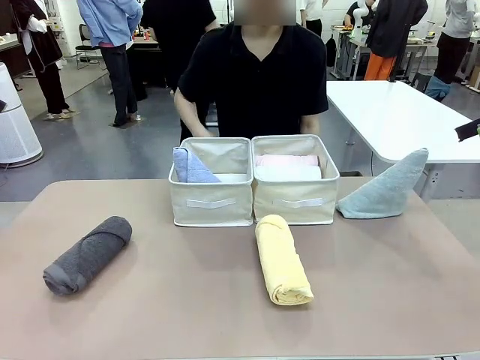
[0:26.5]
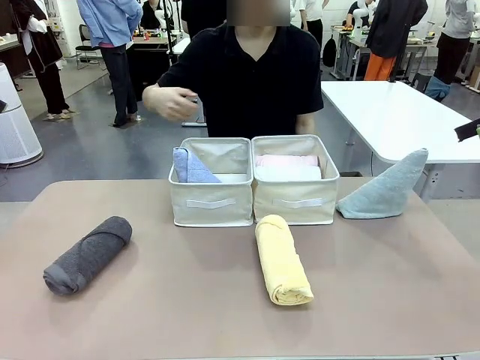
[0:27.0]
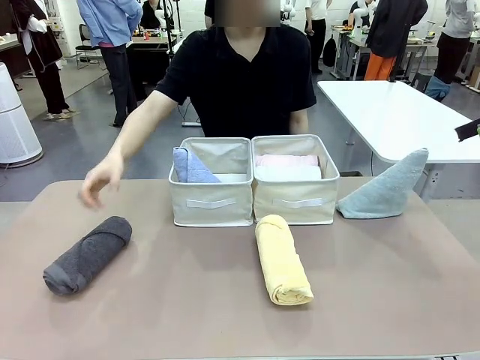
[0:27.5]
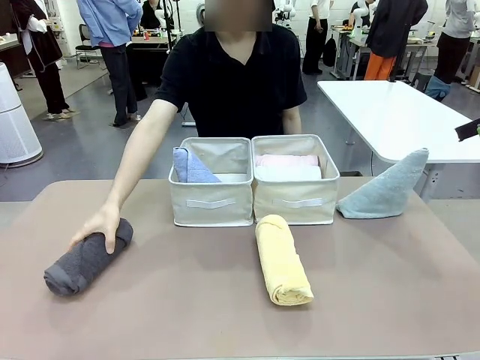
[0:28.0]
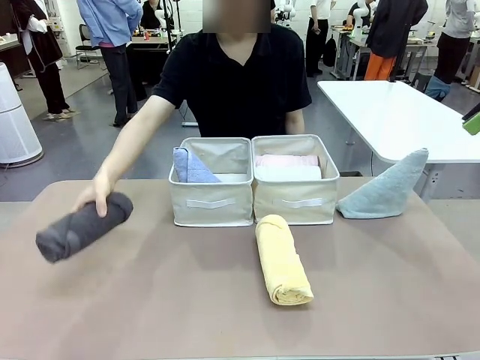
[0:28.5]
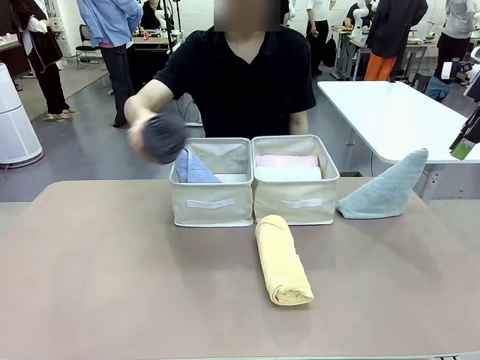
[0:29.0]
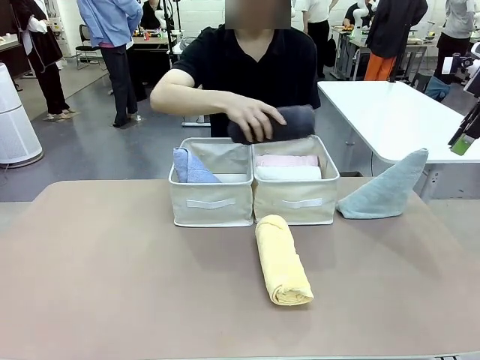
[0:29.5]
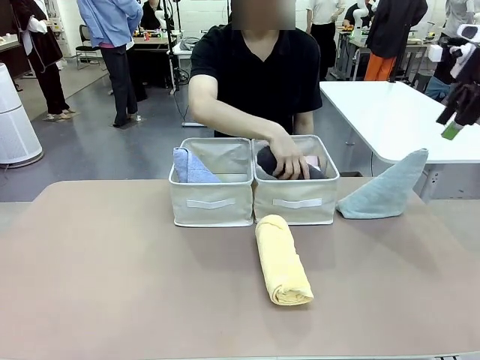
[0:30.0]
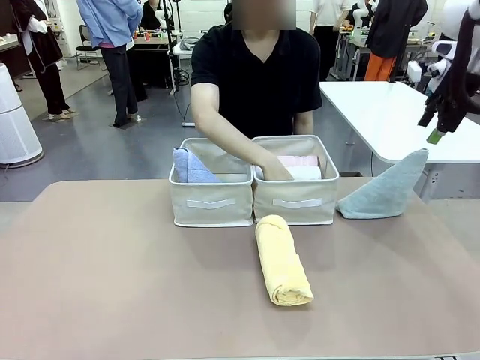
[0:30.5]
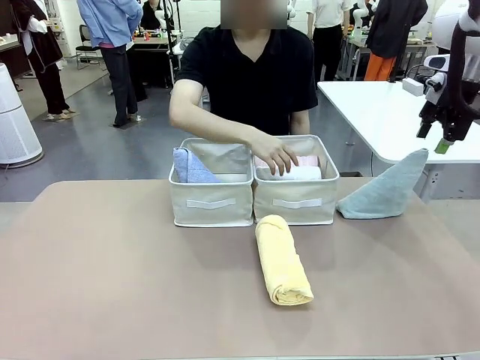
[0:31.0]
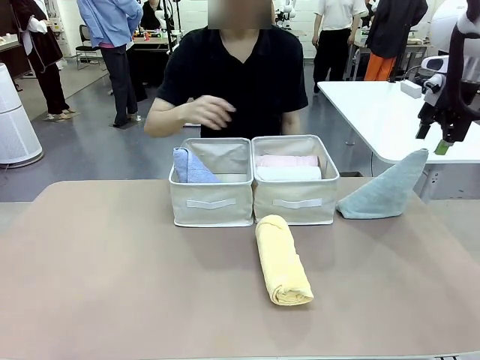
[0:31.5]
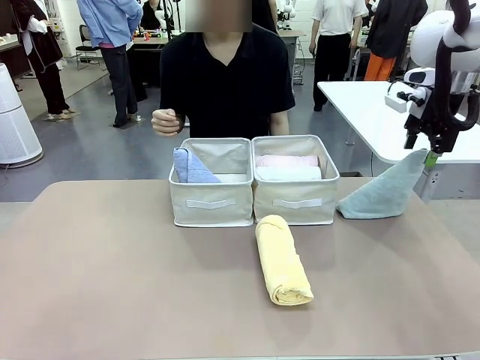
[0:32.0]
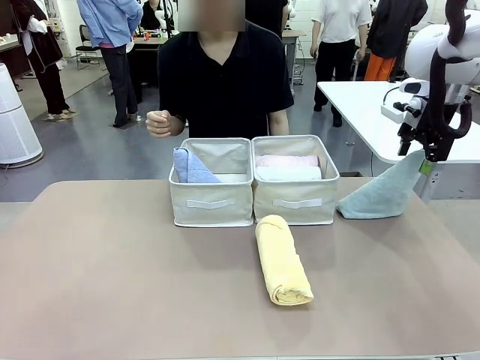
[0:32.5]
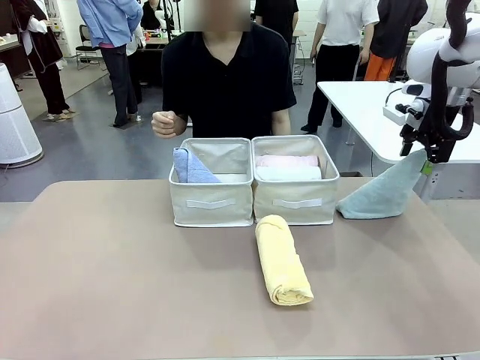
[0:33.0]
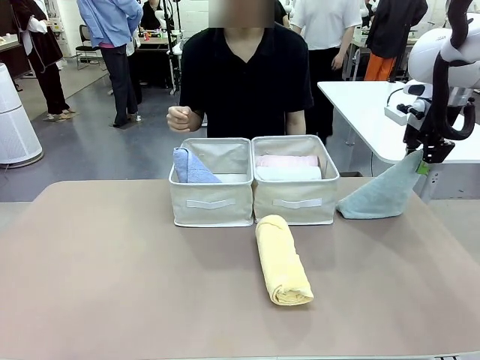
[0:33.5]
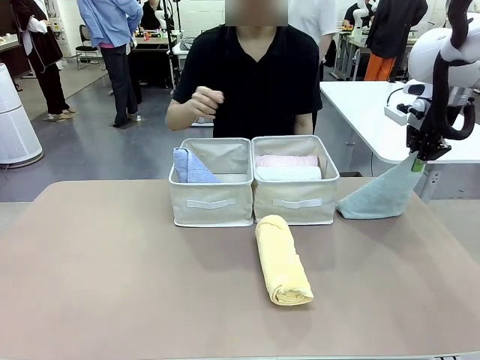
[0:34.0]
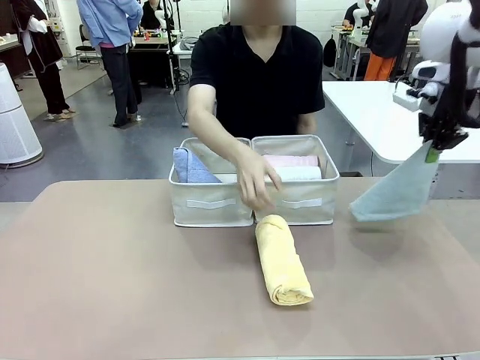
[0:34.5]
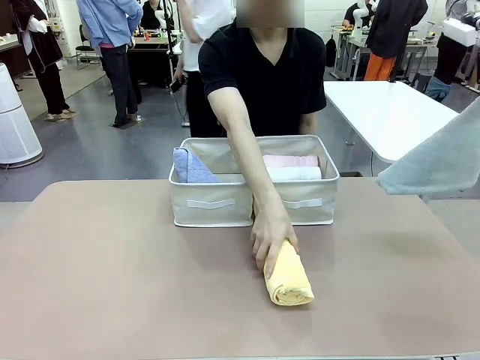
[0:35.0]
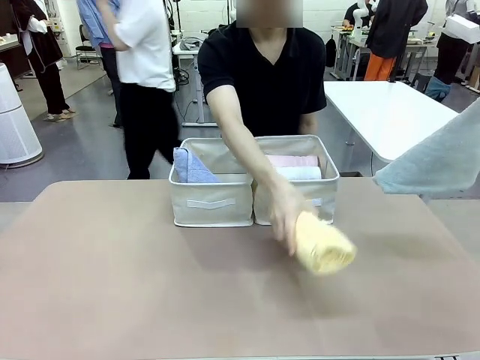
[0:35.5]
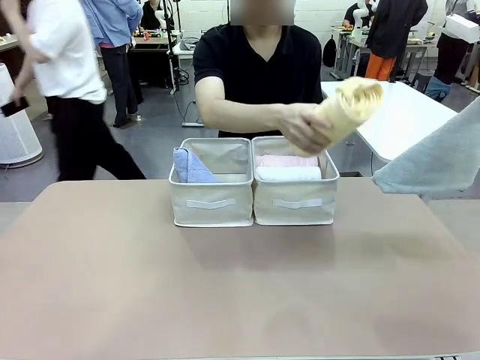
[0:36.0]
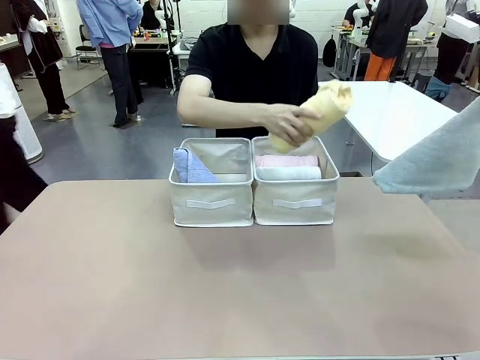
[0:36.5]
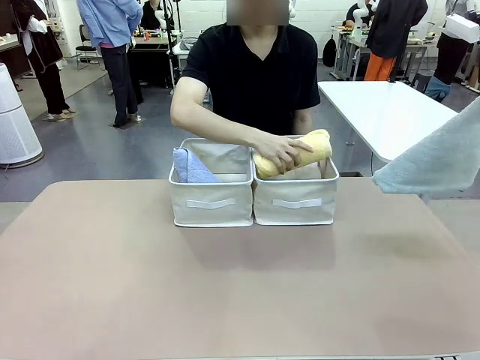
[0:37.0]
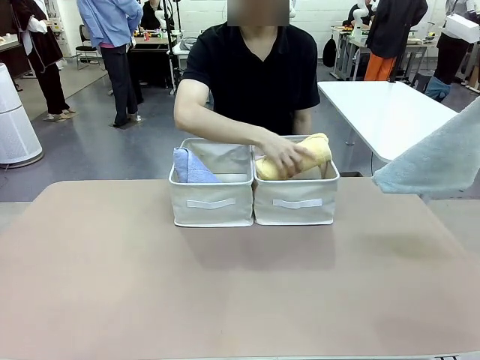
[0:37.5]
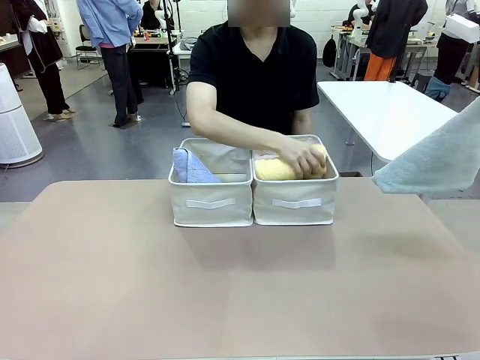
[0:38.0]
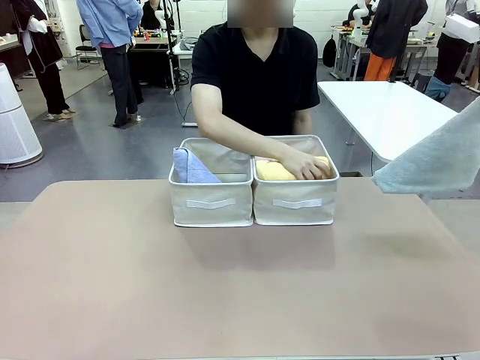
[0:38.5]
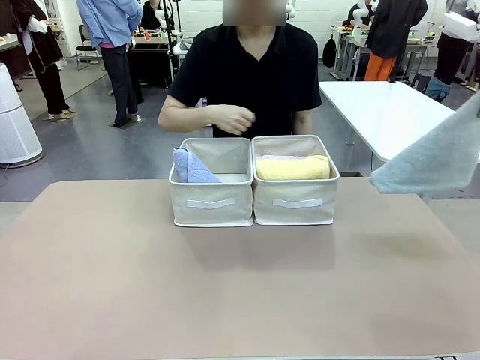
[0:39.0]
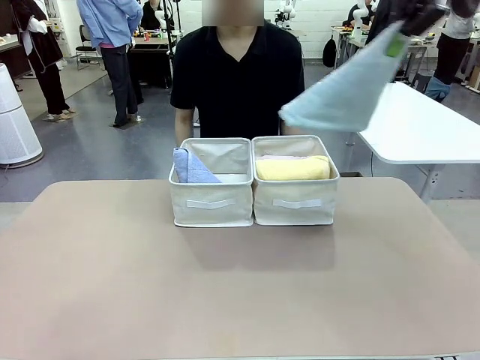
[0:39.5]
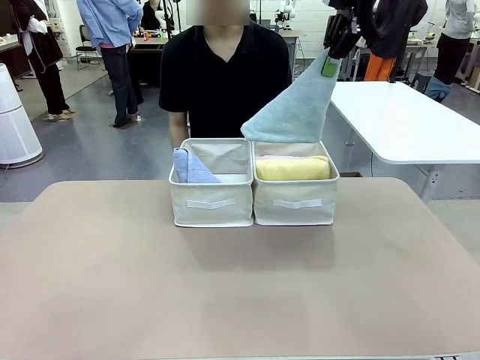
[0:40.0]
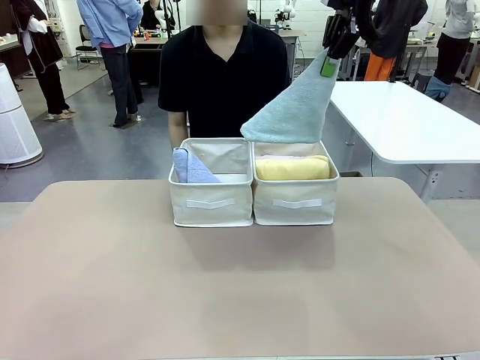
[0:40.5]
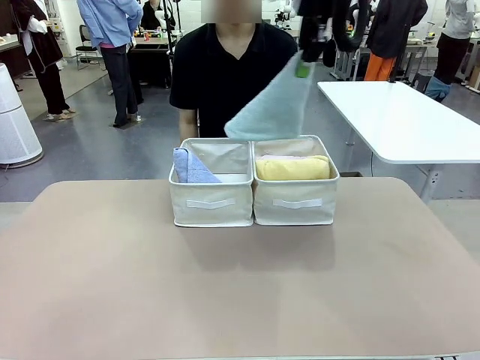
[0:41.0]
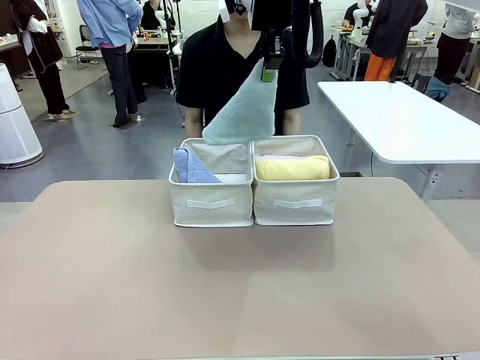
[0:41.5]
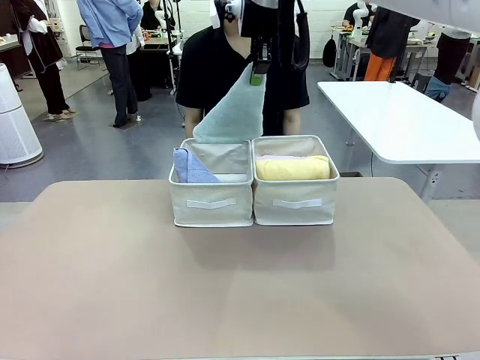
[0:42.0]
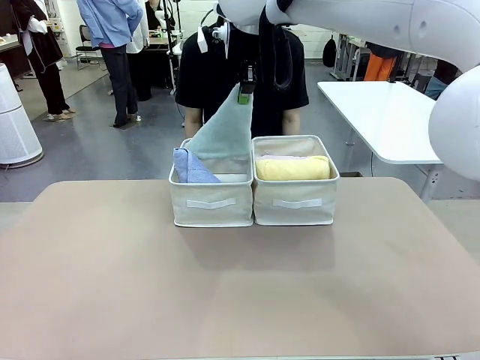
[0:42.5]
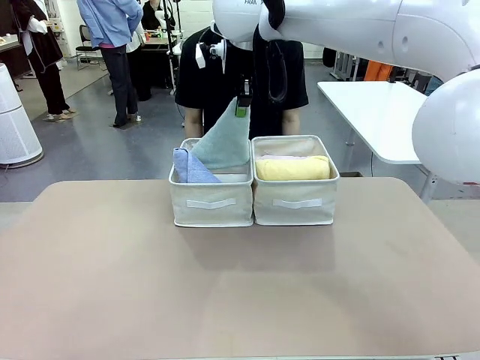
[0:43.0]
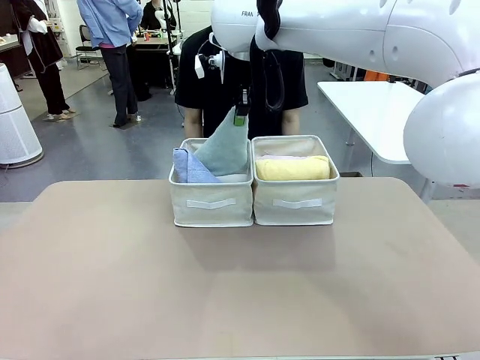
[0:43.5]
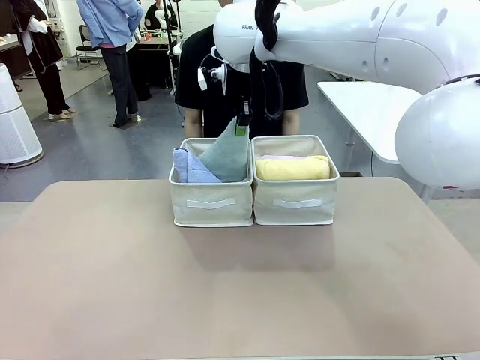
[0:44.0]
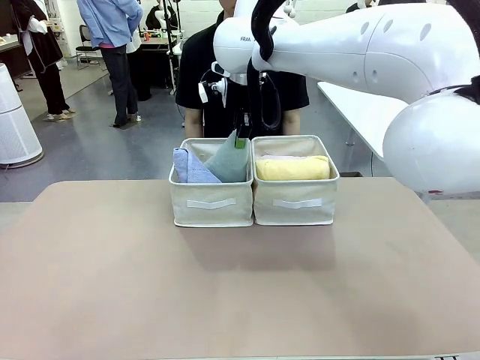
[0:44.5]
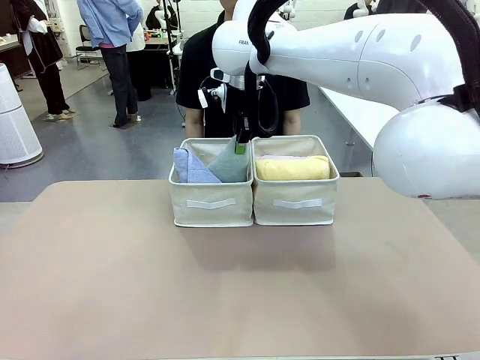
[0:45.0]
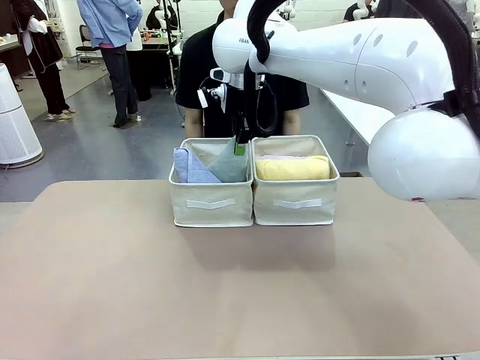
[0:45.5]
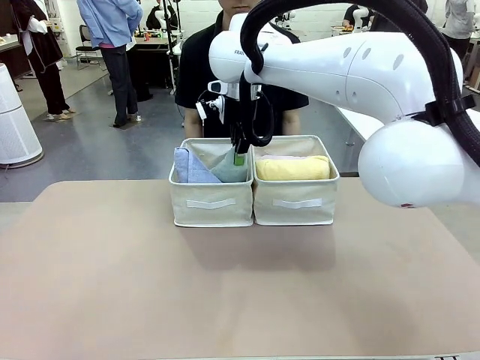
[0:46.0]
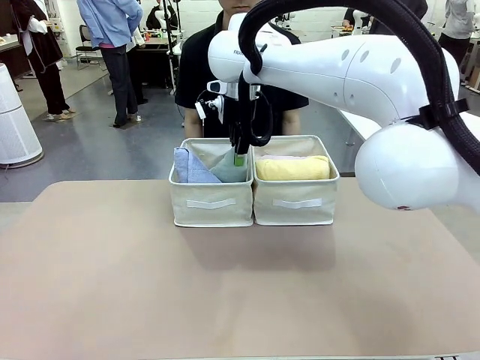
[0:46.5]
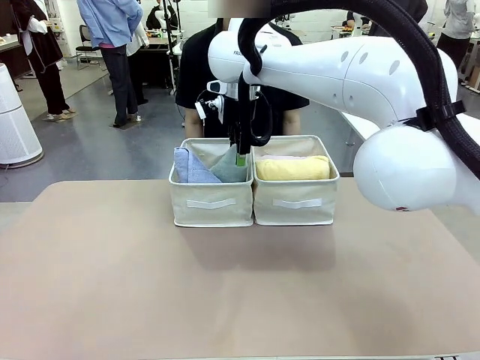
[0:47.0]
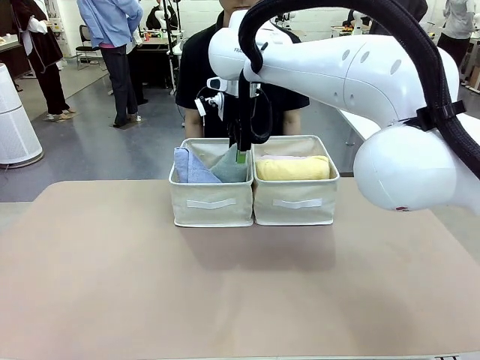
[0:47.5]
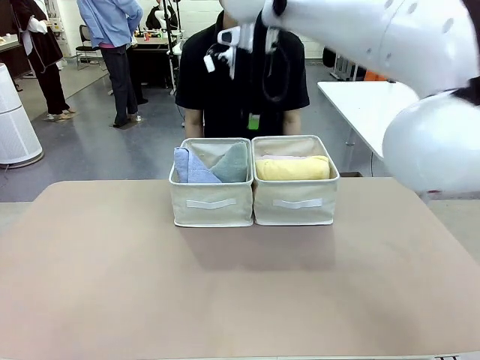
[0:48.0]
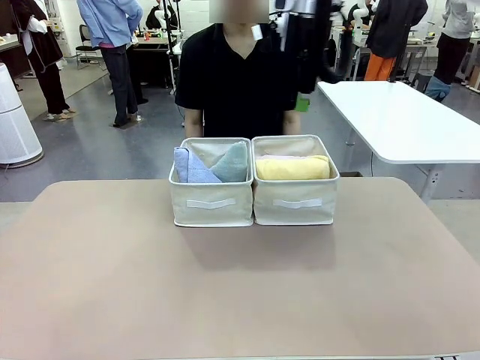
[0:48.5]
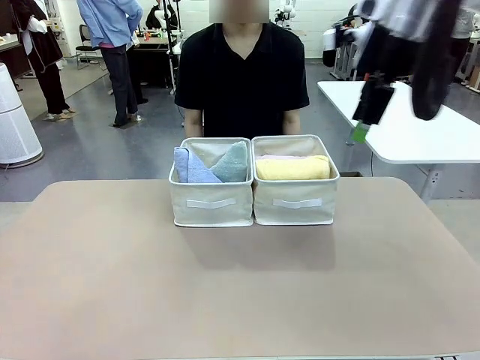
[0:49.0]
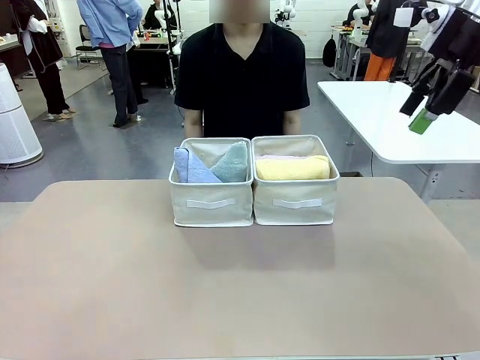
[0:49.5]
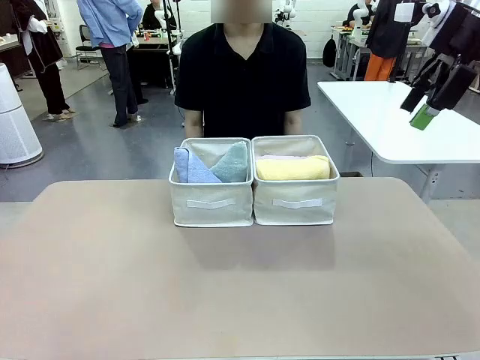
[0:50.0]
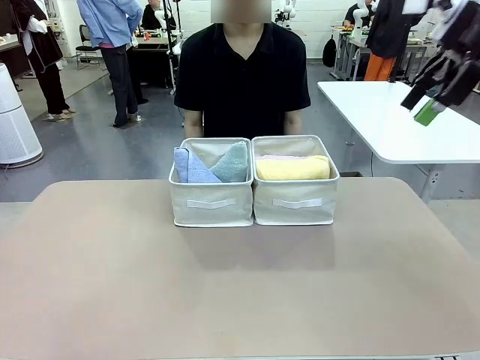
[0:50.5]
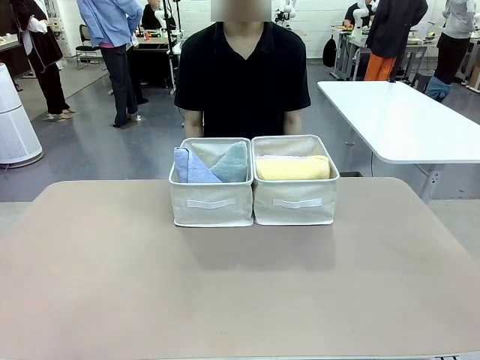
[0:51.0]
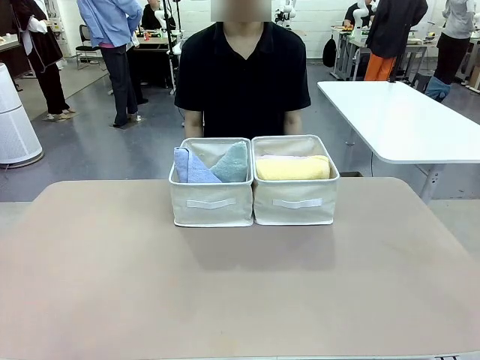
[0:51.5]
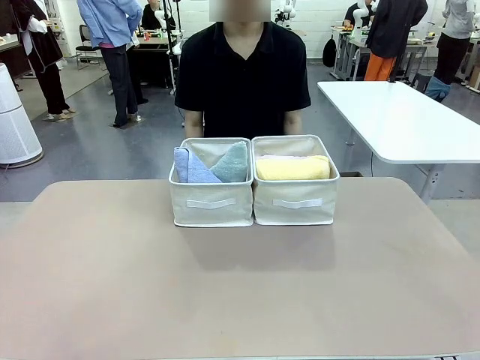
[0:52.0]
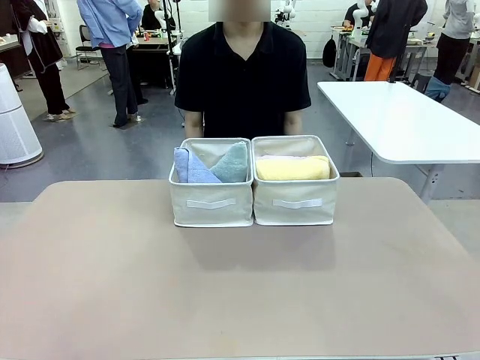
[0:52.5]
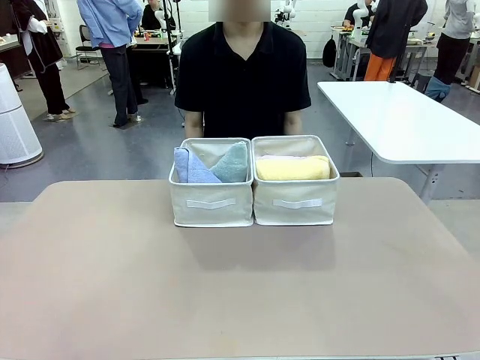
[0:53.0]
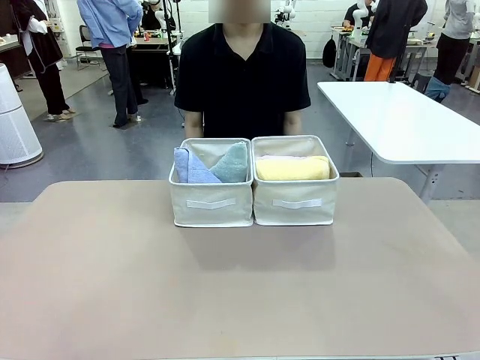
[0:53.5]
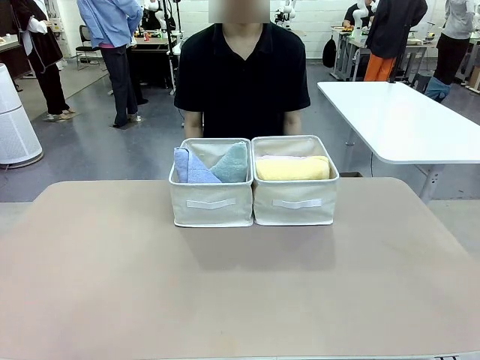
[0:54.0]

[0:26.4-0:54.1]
Task: Sort the towels based on their folding style.
Robot: Pick up another triangle-folded towel from the table and place it in the left Fabric basket.
Person: Pick up one hotel-style rolled towel from the table and place it in the left fabric basket.
